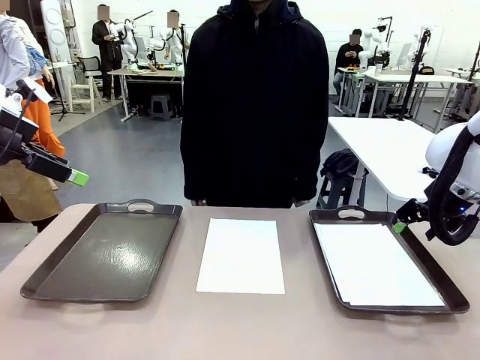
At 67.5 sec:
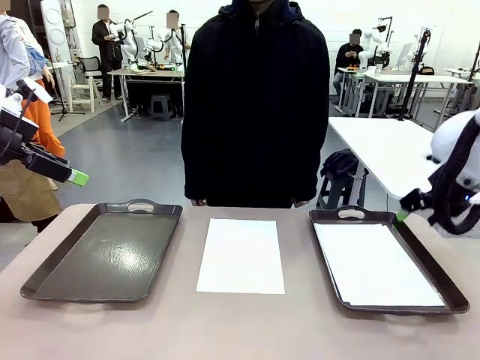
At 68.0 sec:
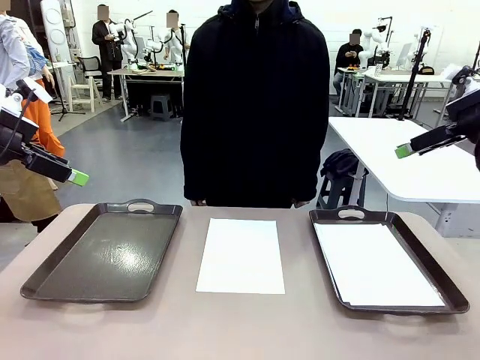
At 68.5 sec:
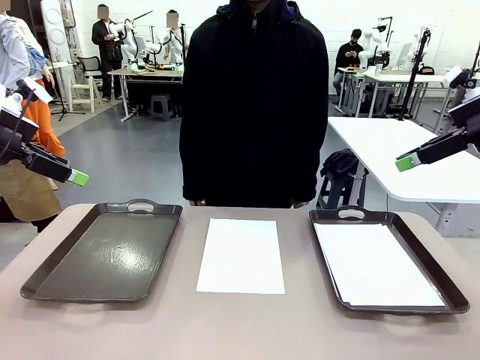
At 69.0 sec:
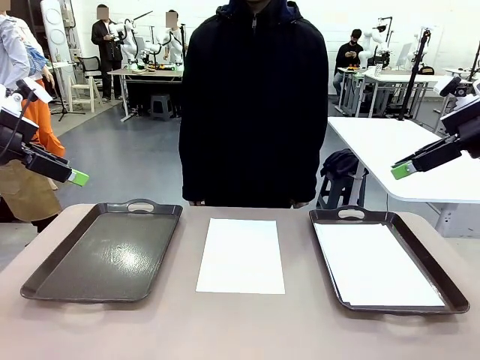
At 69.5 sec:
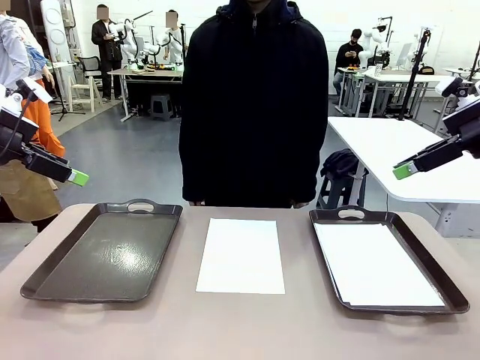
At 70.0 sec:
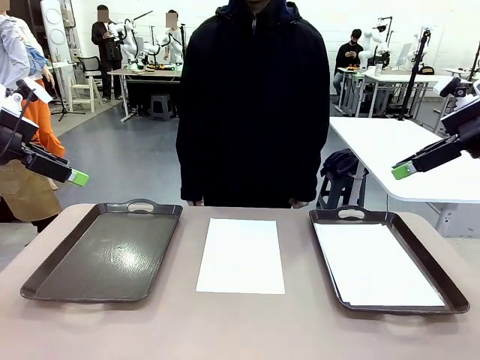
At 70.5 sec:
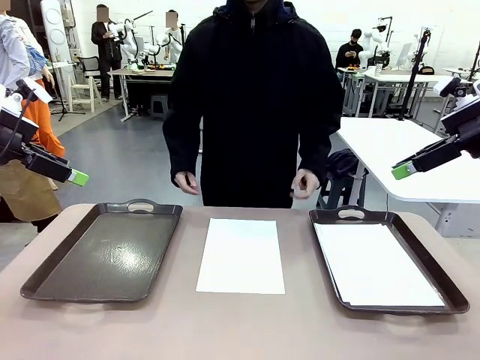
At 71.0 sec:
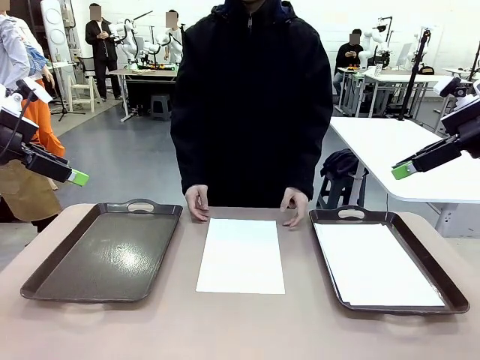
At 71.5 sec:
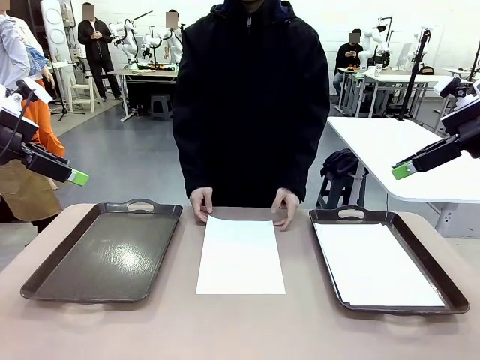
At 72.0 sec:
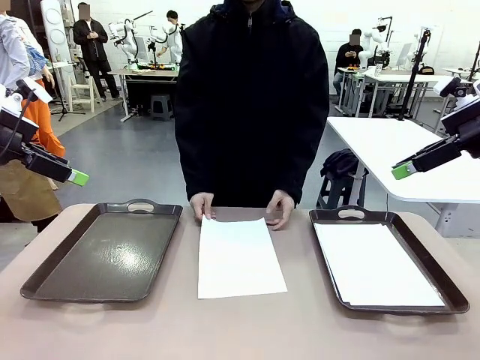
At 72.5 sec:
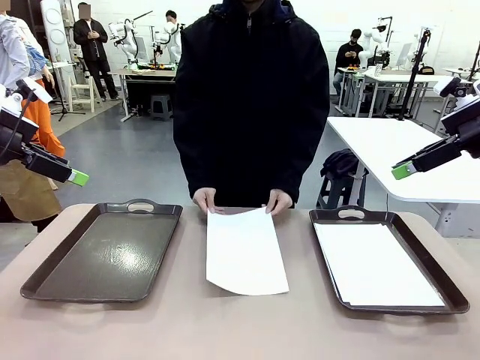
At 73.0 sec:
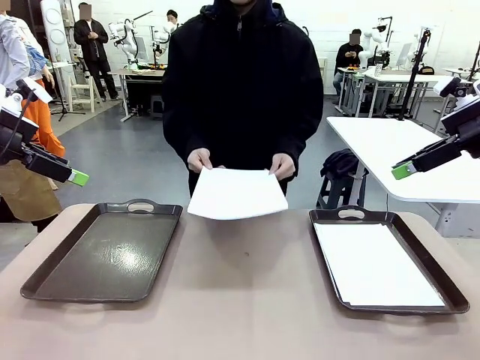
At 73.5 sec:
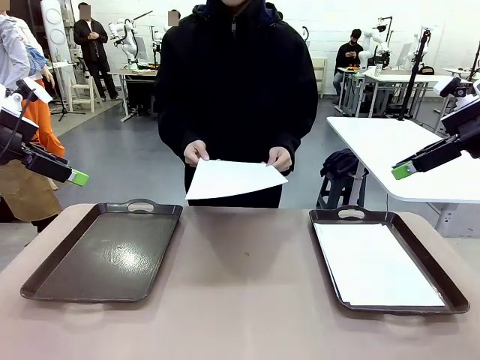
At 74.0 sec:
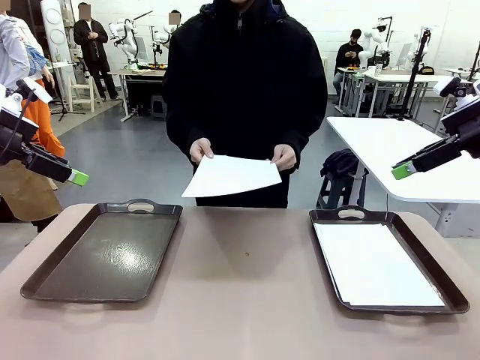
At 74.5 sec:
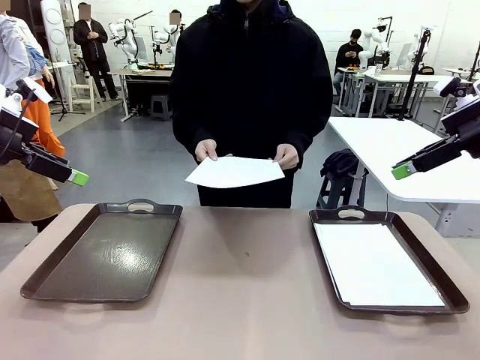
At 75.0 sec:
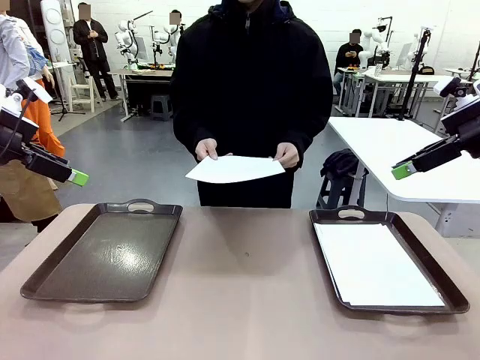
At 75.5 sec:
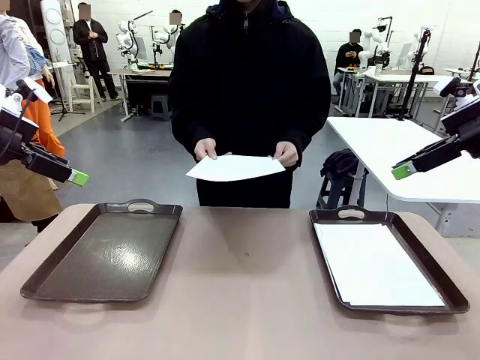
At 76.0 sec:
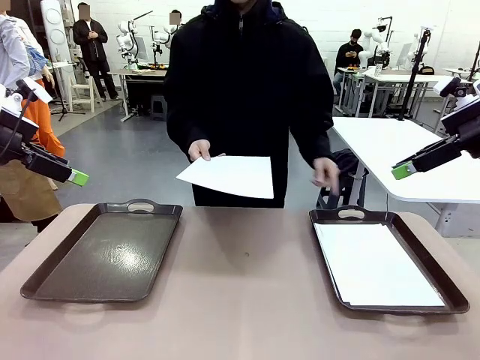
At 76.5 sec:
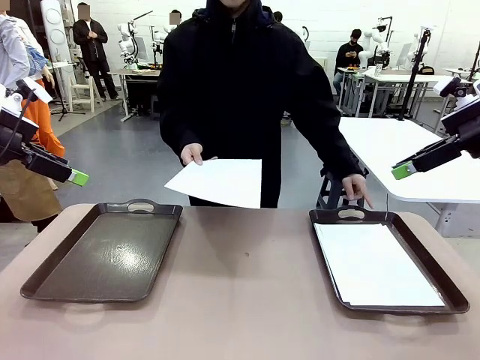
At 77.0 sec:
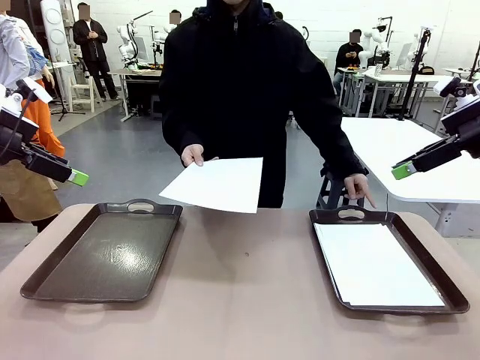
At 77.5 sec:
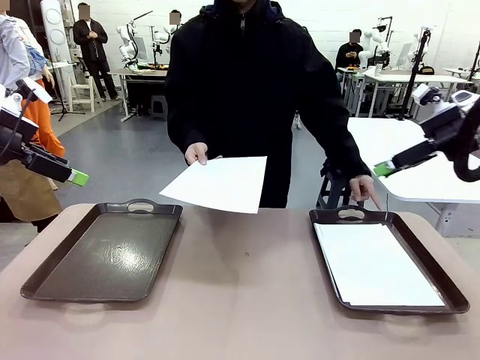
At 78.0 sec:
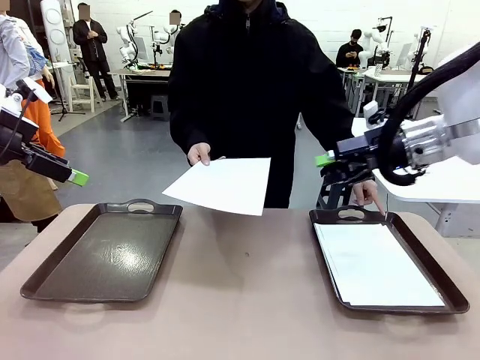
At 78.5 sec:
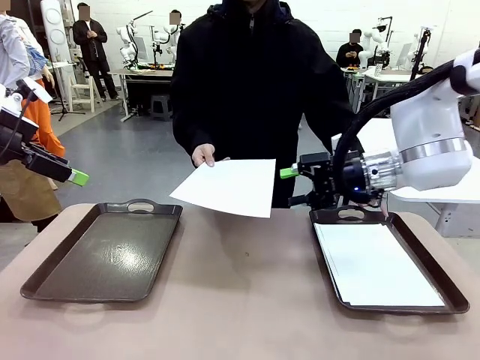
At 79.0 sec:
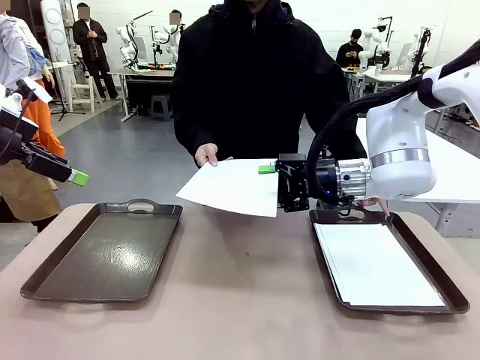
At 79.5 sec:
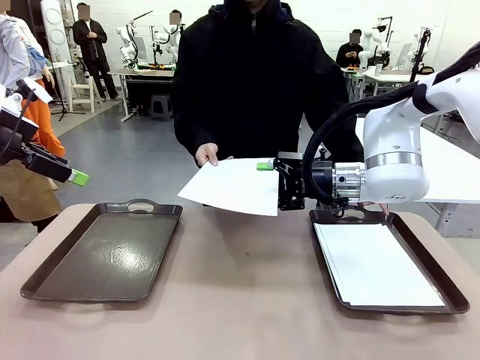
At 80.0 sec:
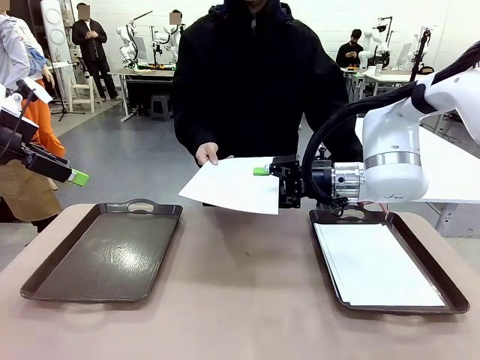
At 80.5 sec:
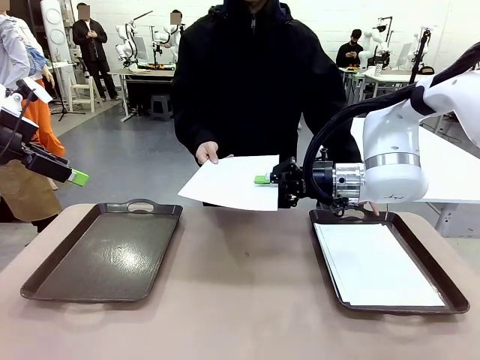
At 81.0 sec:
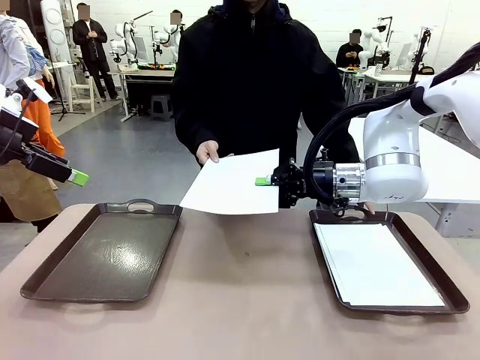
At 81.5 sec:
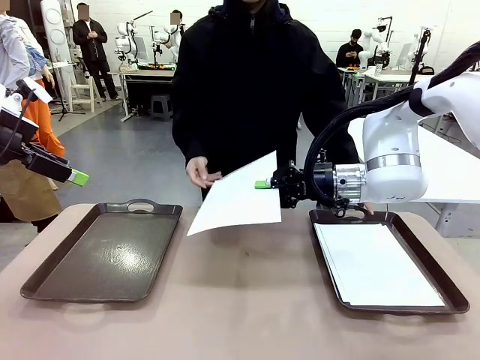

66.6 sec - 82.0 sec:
Task: Sort the A4 documents.
Robot: Receive the A4 Paper.
Person: Point the randomly selected tray with the other hand.

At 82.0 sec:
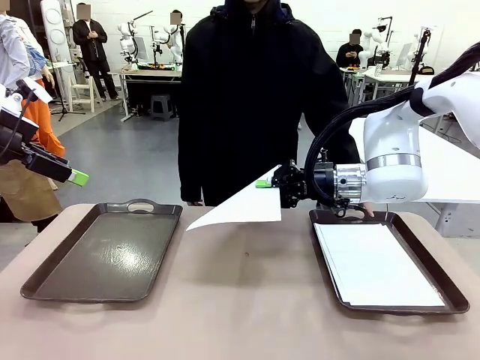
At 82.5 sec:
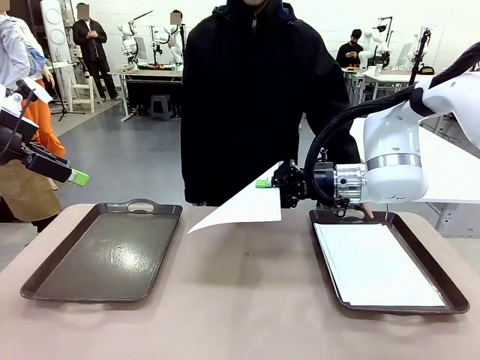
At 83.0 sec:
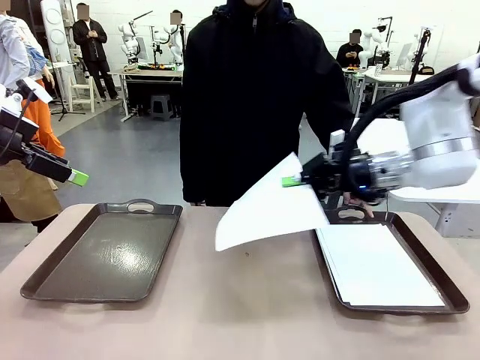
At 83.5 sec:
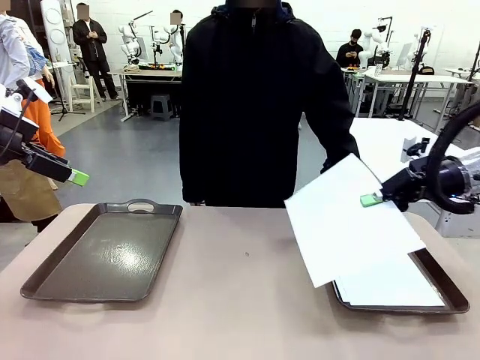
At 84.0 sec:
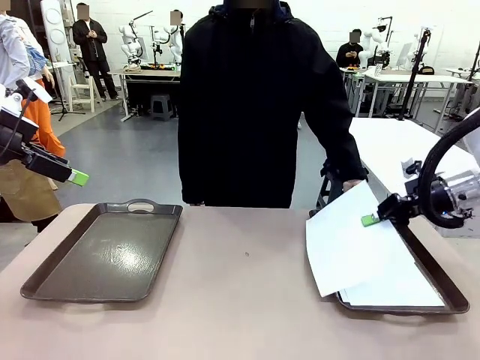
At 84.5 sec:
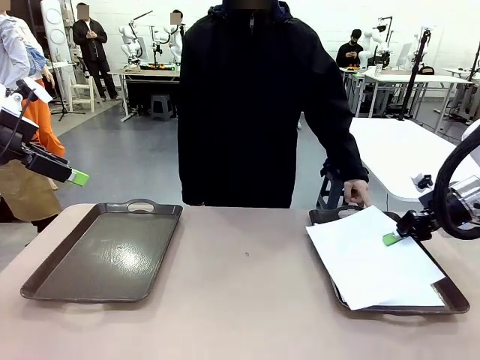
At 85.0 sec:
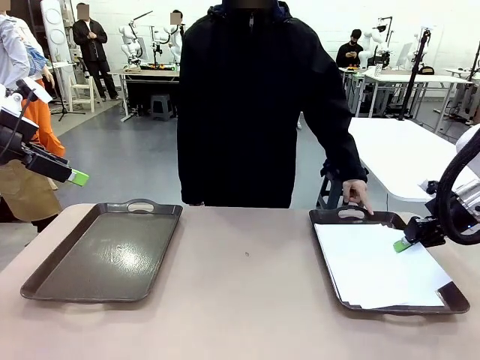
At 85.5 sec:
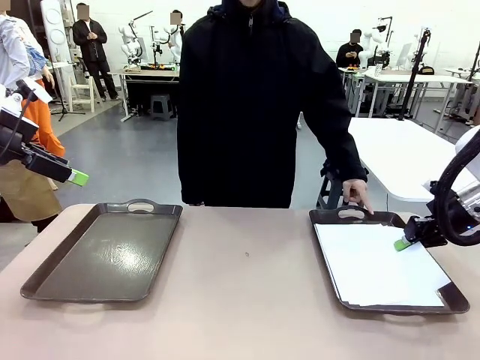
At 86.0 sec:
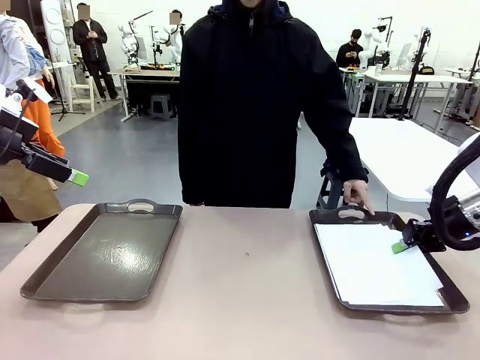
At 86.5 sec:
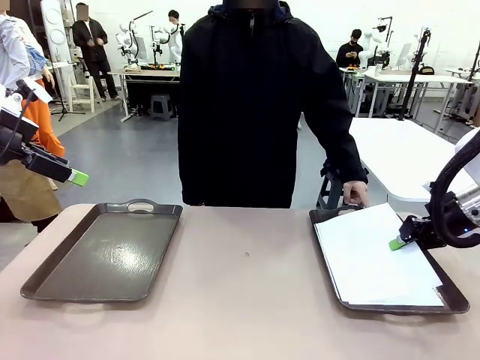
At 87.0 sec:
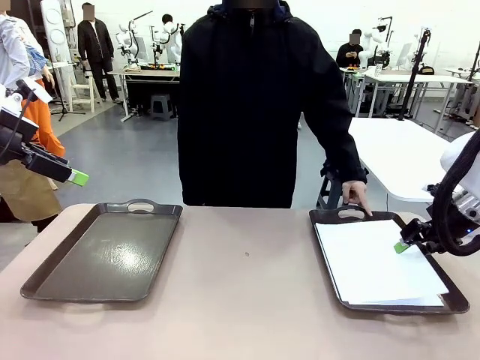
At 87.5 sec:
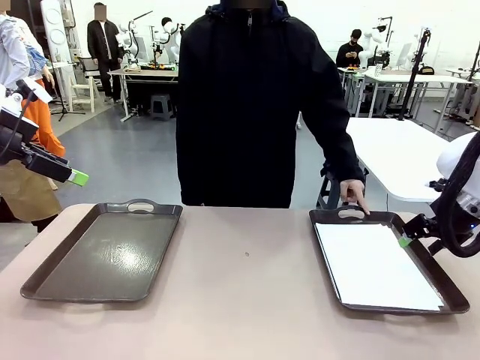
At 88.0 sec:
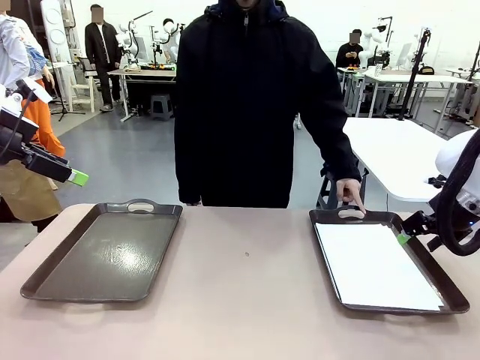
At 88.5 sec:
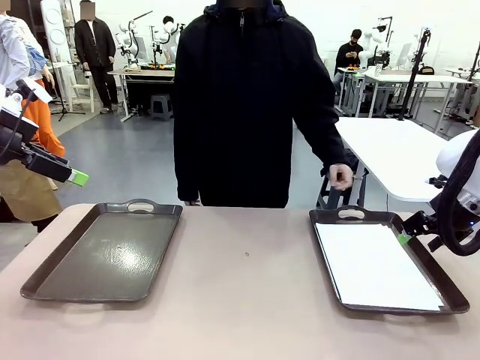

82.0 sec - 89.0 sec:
Robot: Place the A4 Paper in the designated Handle tray.
